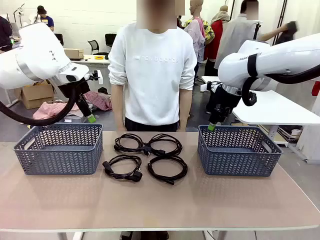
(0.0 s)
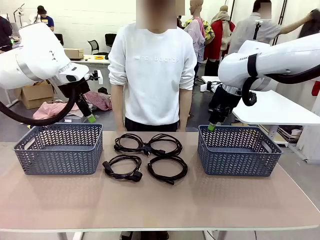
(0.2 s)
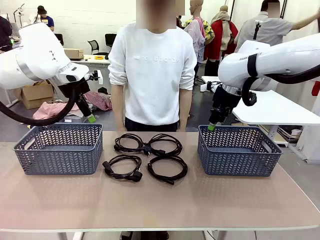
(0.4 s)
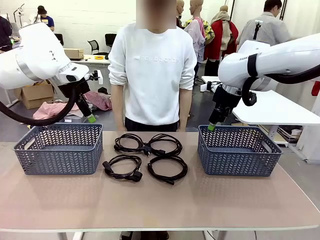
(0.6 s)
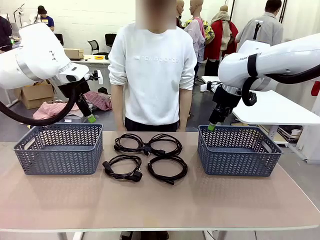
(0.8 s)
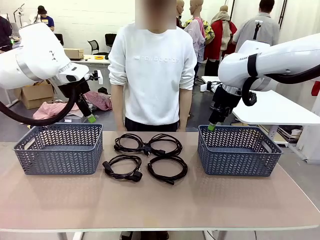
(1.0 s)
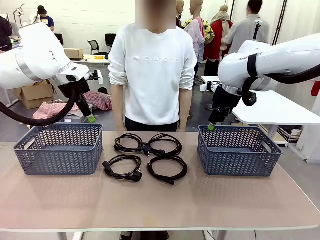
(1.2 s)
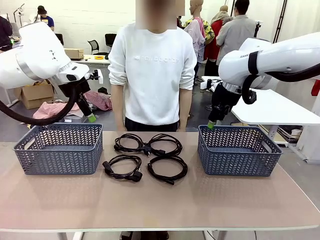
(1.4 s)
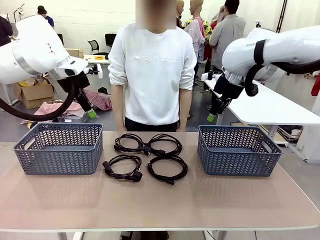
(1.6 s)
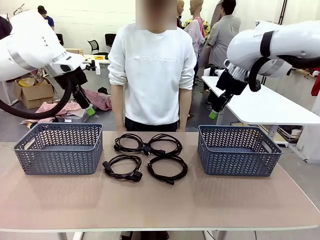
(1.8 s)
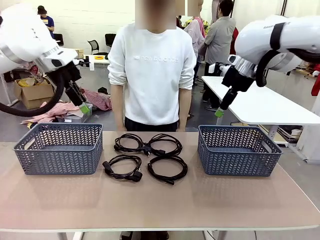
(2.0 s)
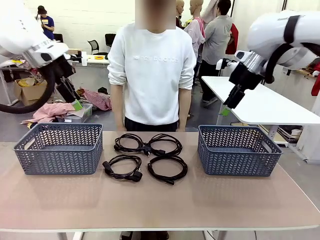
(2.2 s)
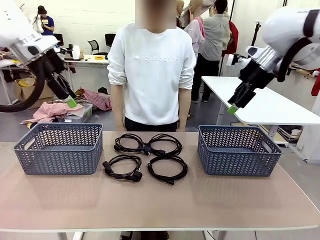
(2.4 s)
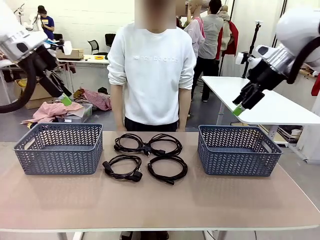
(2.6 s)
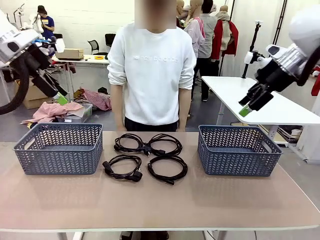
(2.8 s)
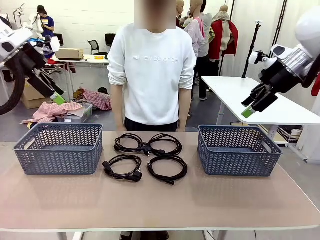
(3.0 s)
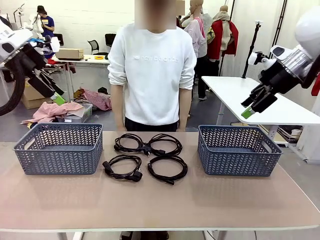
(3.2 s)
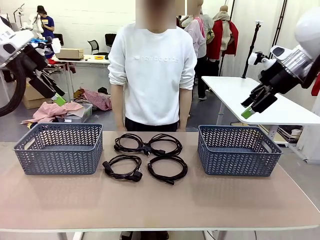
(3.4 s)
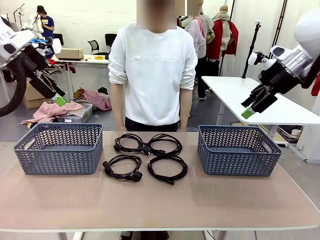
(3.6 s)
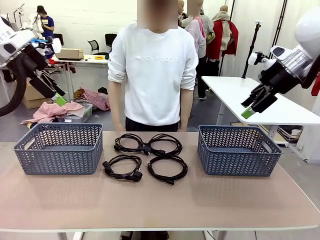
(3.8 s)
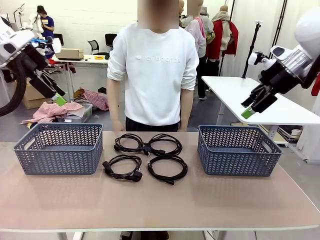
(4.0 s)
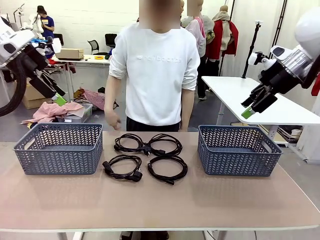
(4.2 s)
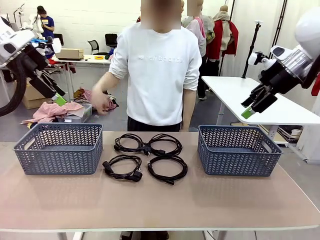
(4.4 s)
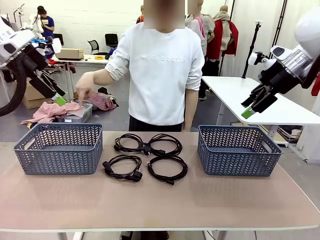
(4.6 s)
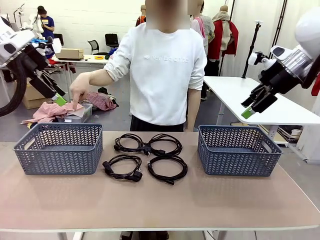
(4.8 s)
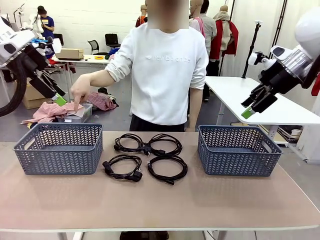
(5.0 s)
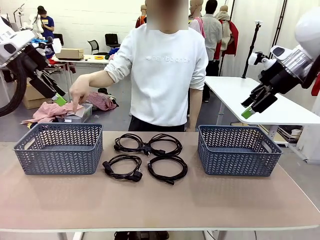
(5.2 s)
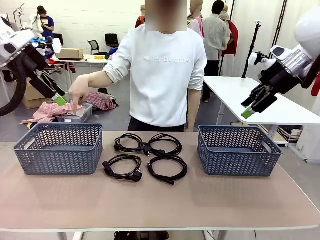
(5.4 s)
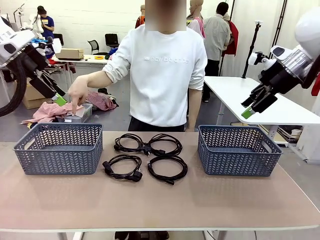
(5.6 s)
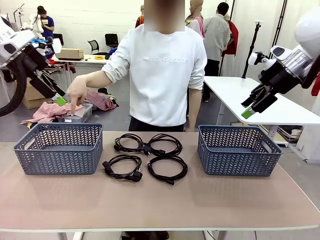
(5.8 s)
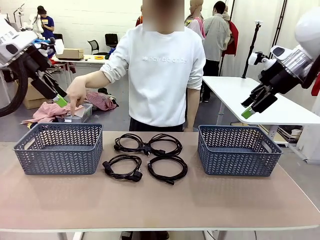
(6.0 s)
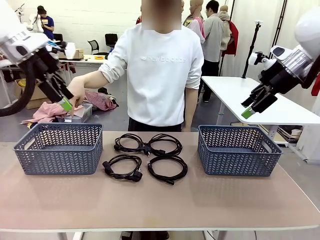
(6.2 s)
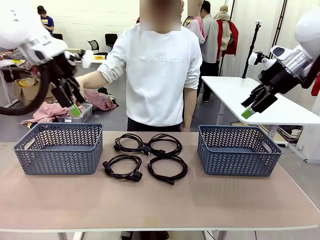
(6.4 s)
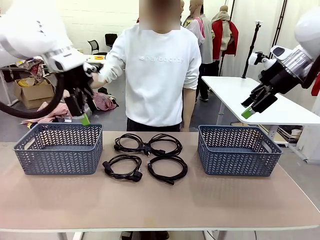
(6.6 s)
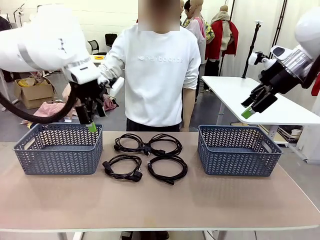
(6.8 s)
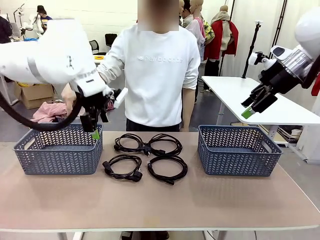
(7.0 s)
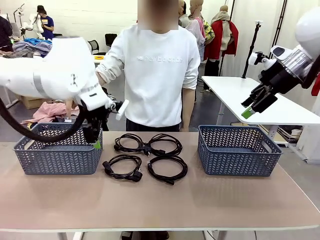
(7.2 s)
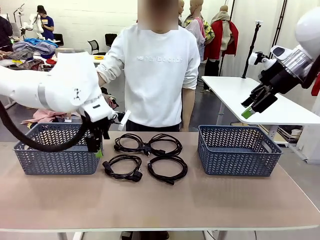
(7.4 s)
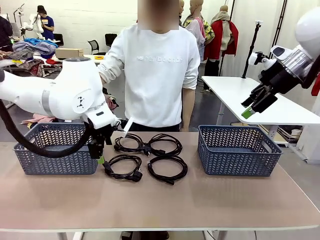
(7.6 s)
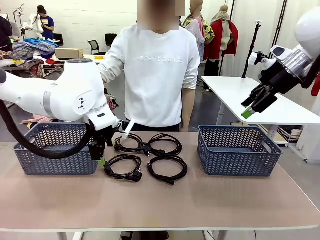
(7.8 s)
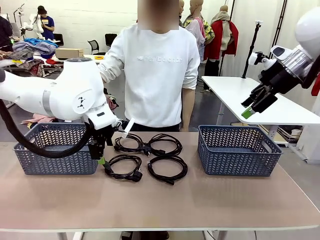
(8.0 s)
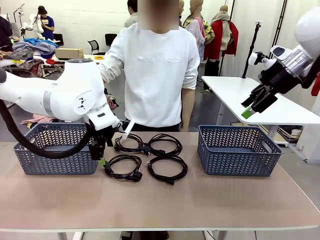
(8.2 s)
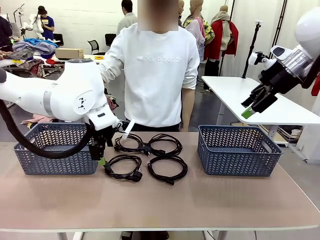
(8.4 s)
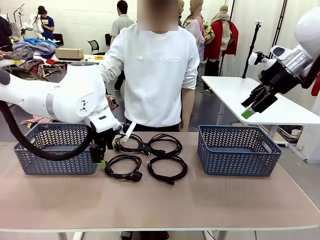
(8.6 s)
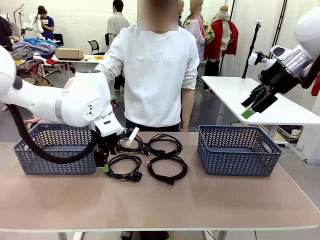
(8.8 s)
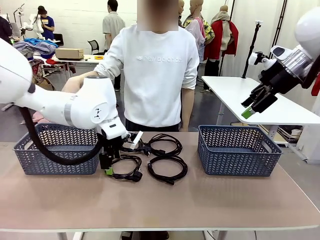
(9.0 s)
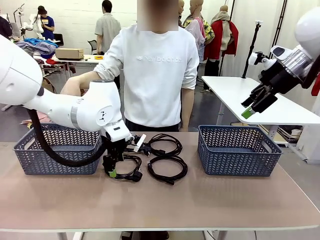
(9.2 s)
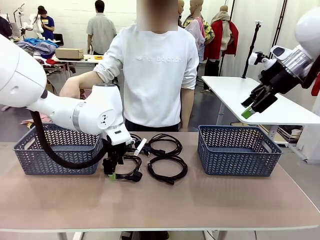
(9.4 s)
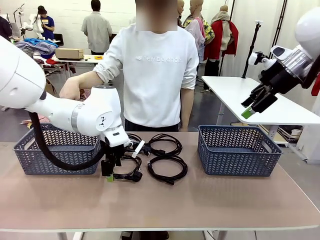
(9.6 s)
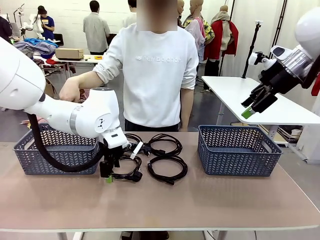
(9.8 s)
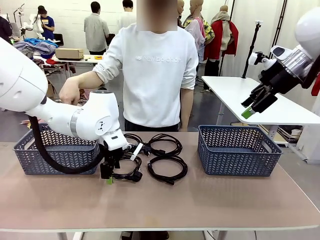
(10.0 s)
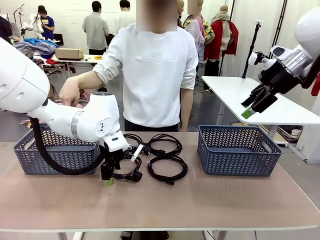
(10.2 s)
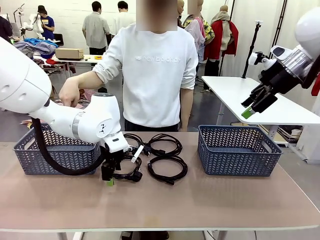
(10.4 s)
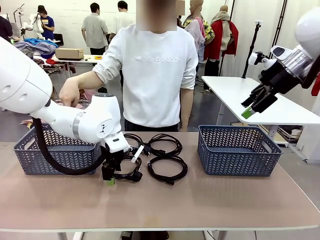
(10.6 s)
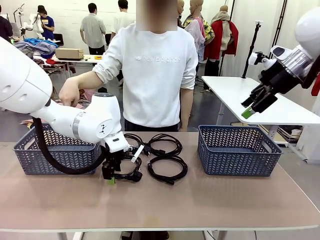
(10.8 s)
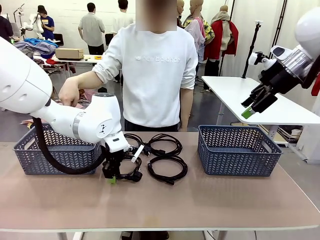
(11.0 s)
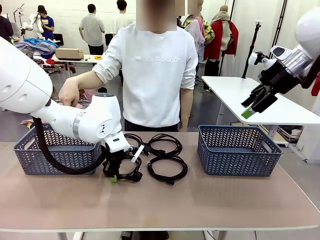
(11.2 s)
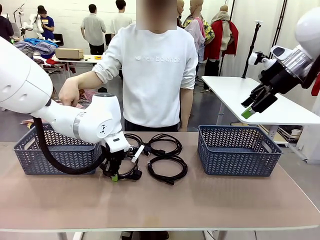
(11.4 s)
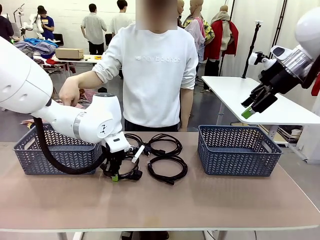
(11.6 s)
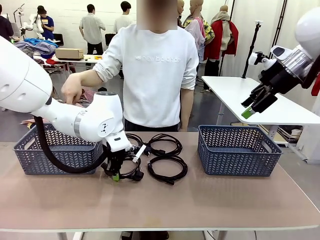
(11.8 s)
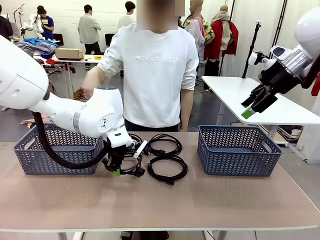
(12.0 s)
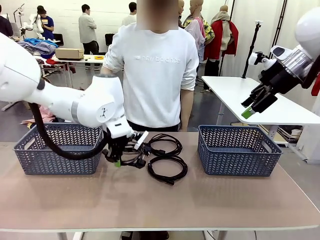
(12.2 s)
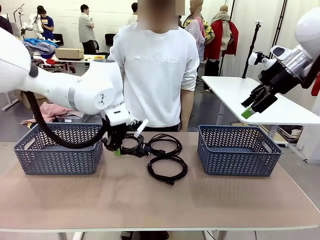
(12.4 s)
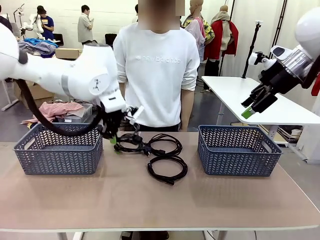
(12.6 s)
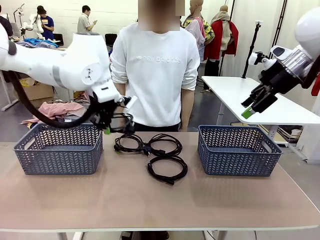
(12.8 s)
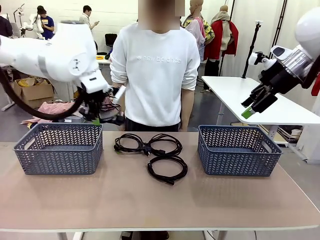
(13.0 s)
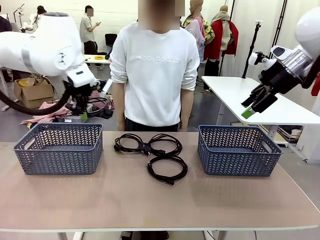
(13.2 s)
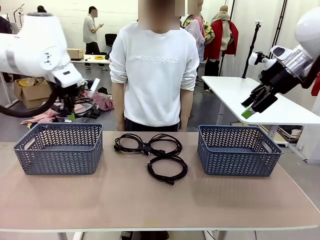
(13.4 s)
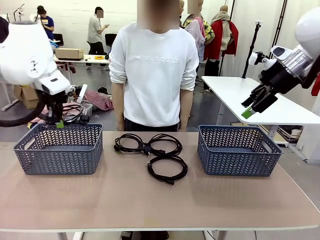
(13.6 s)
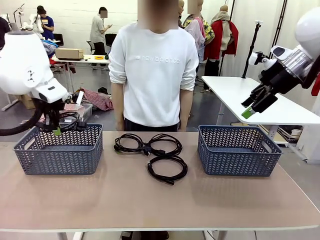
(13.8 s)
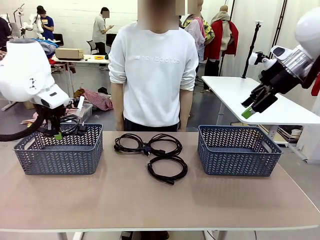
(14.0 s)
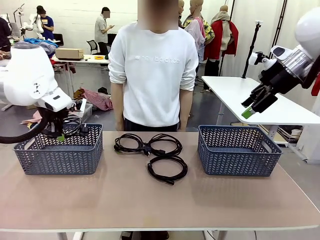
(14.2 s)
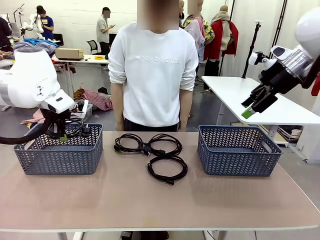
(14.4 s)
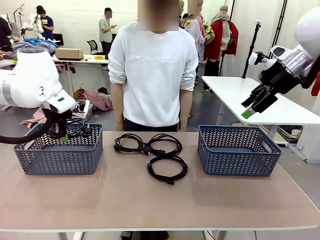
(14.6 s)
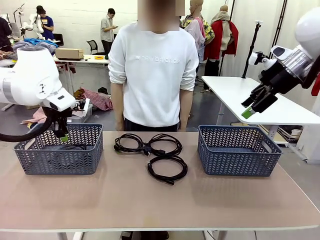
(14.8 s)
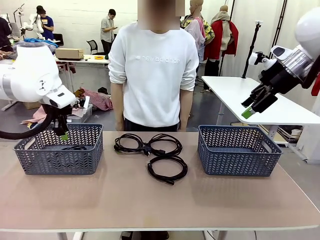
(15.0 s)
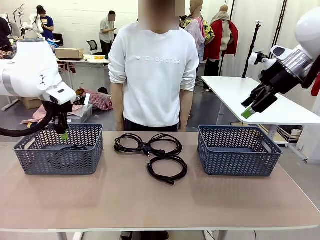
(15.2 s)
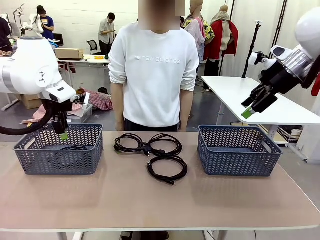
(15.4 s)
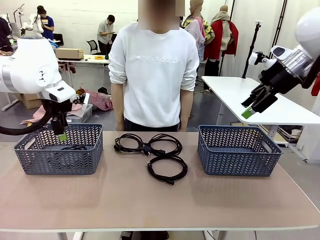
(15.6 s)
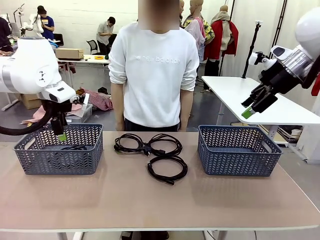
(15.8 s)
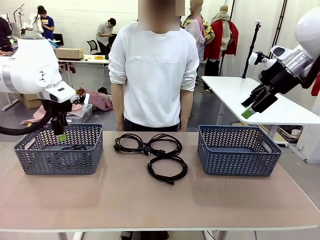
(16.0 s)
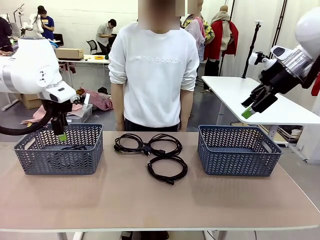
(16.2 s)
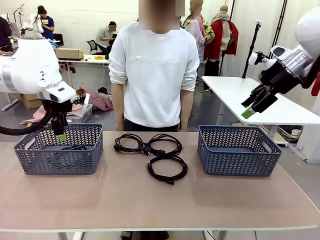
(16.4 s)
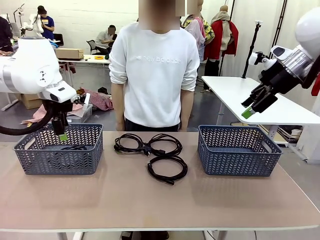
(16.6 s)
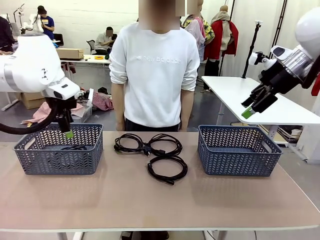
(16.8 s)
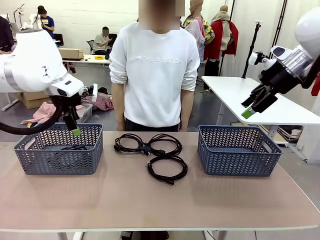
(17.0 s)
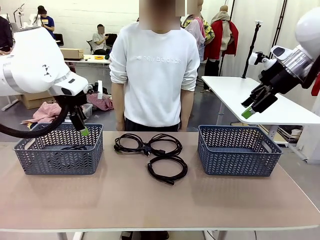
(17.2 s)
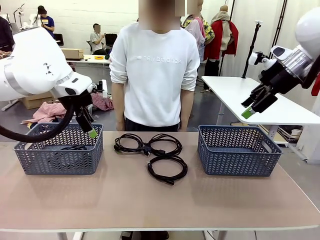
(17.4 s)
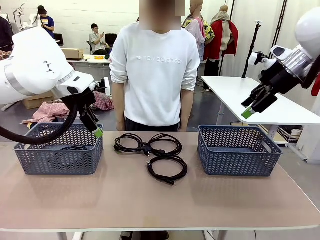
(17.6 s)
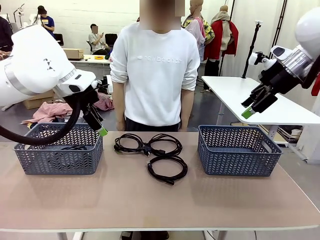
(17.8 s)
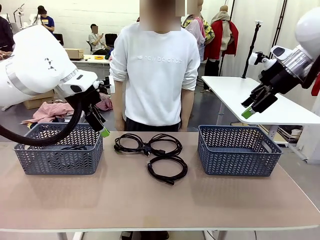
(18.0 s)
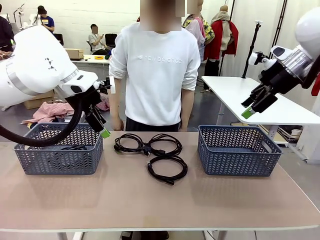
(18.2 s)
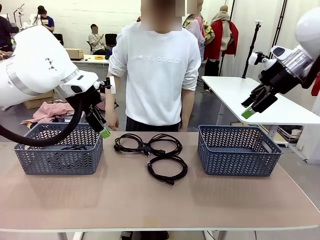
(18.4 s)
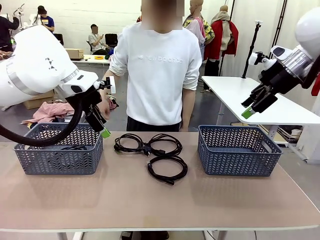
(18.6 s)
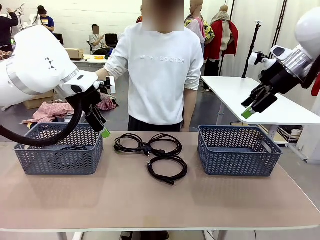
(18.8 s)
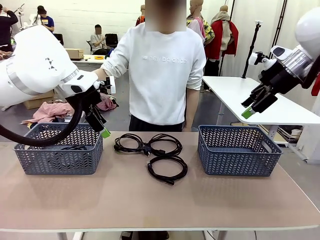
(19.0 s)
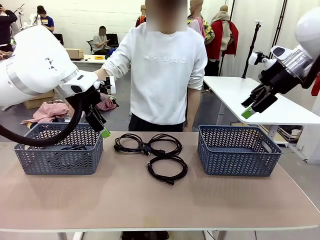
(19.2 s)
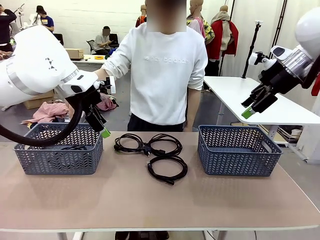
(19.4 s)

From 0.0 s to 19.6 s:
Task: Organize the cables according to human instructions.
Robot: Pick up a bundle of cables and place it in the basket indicated by the human.
